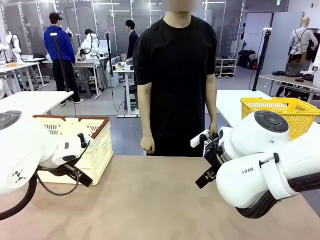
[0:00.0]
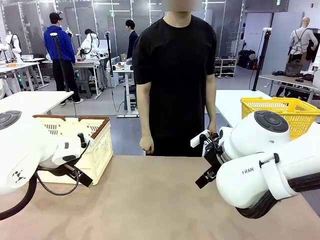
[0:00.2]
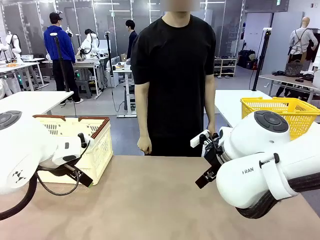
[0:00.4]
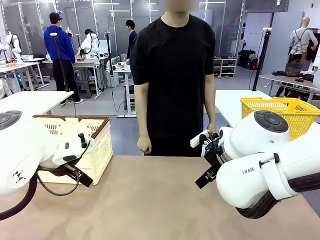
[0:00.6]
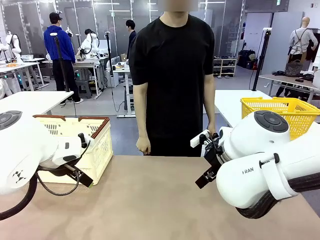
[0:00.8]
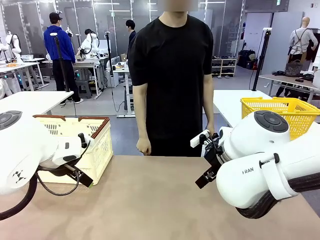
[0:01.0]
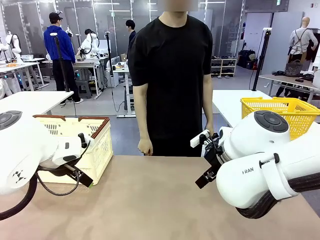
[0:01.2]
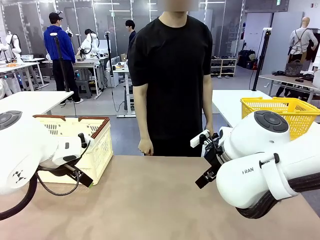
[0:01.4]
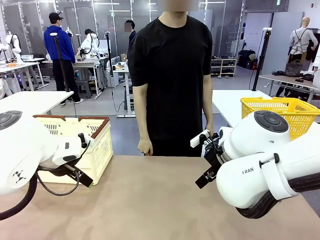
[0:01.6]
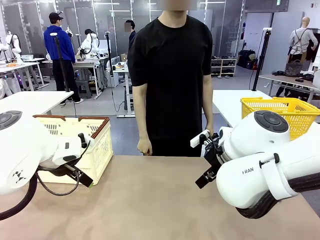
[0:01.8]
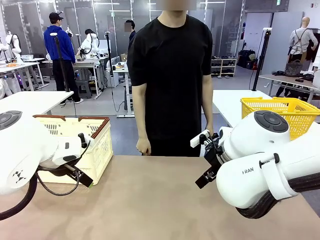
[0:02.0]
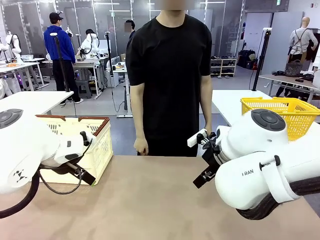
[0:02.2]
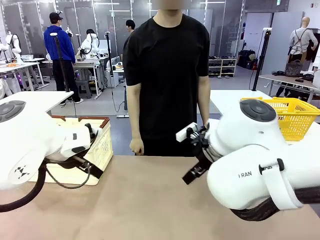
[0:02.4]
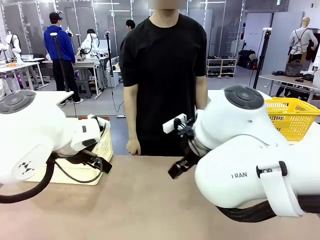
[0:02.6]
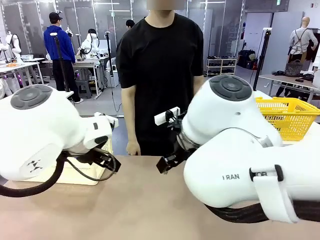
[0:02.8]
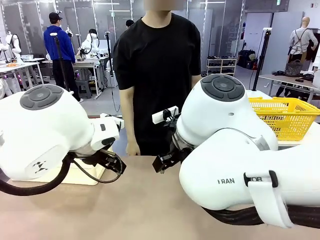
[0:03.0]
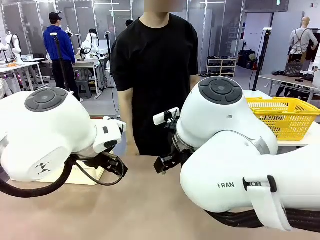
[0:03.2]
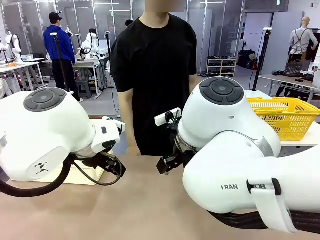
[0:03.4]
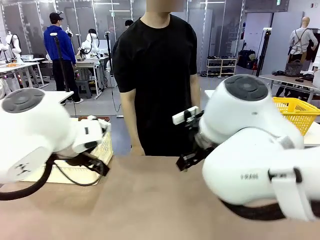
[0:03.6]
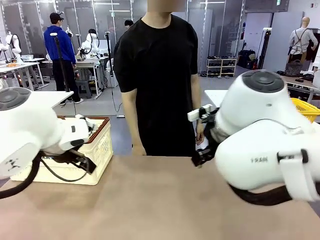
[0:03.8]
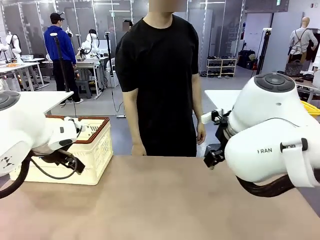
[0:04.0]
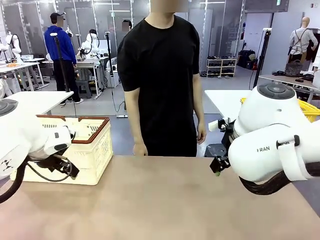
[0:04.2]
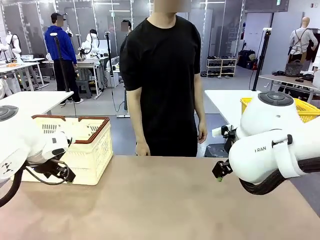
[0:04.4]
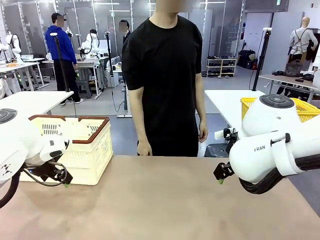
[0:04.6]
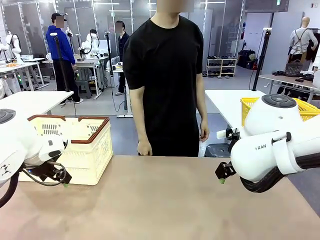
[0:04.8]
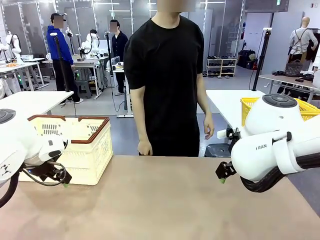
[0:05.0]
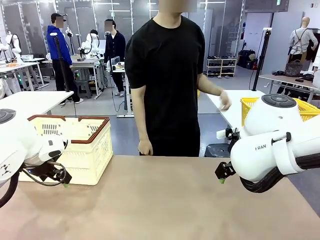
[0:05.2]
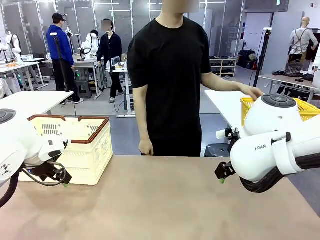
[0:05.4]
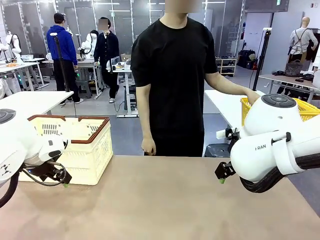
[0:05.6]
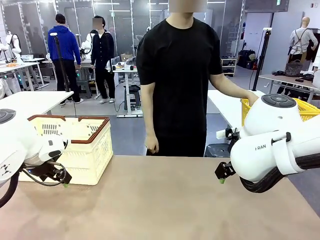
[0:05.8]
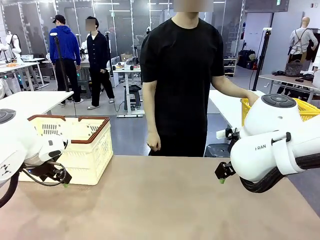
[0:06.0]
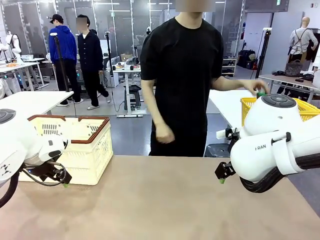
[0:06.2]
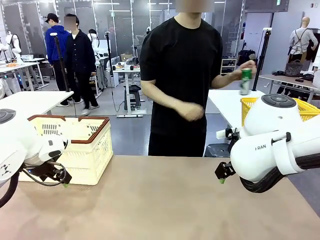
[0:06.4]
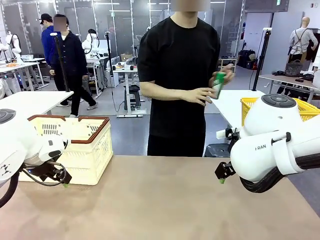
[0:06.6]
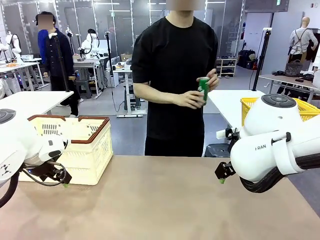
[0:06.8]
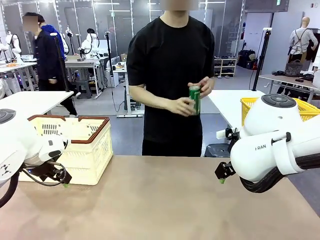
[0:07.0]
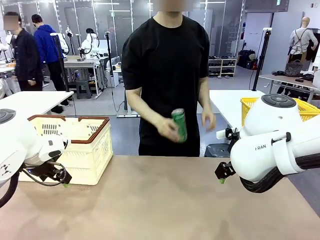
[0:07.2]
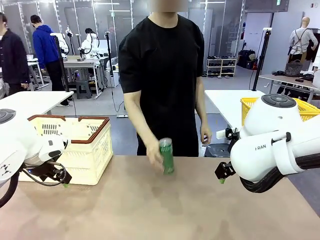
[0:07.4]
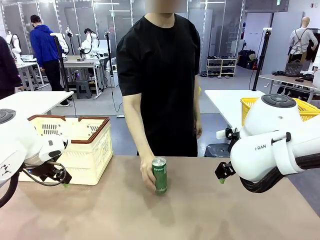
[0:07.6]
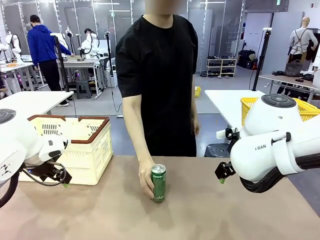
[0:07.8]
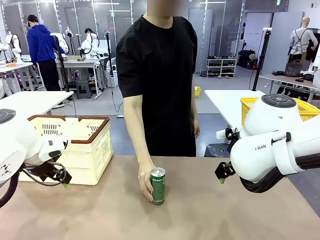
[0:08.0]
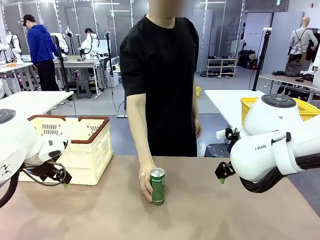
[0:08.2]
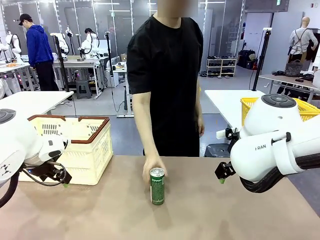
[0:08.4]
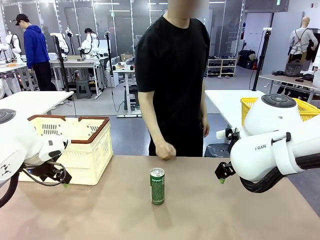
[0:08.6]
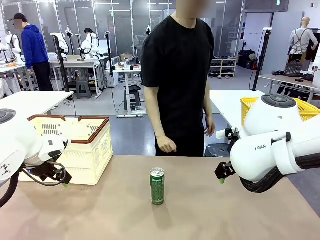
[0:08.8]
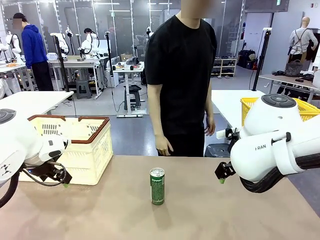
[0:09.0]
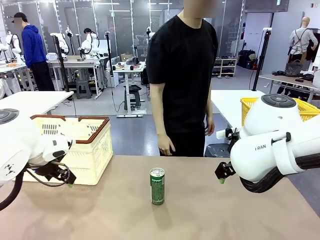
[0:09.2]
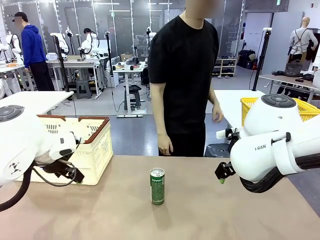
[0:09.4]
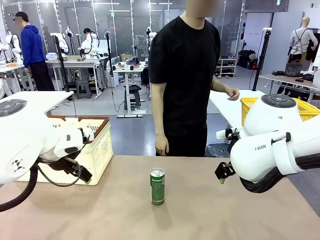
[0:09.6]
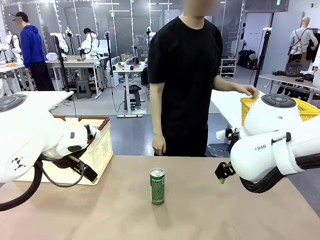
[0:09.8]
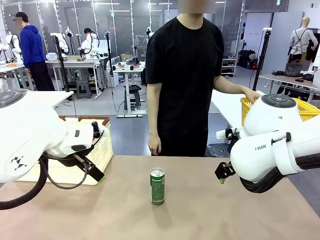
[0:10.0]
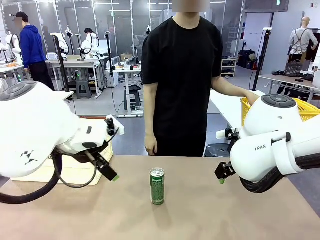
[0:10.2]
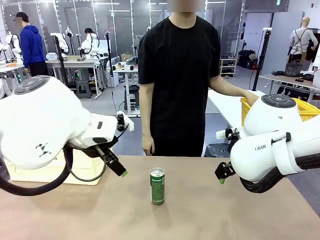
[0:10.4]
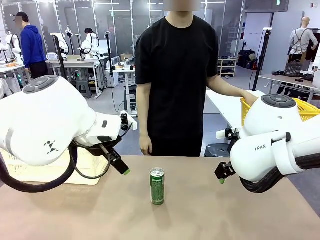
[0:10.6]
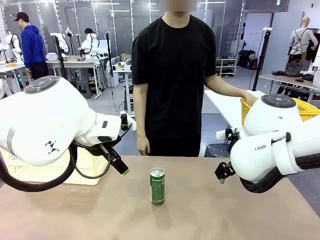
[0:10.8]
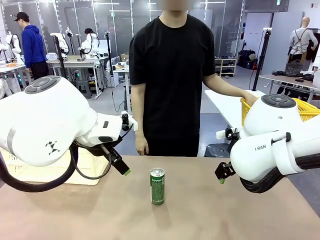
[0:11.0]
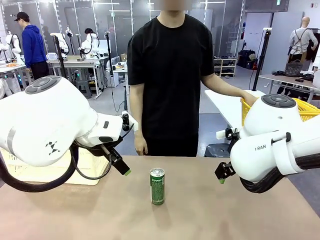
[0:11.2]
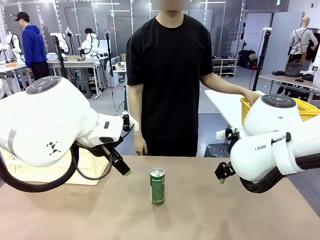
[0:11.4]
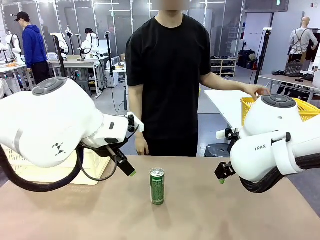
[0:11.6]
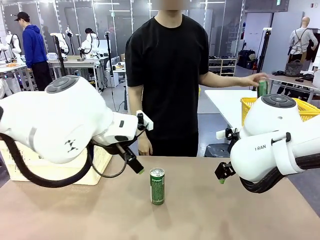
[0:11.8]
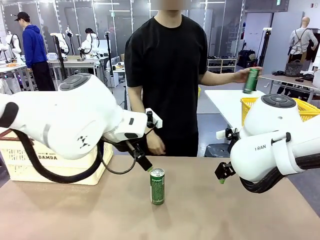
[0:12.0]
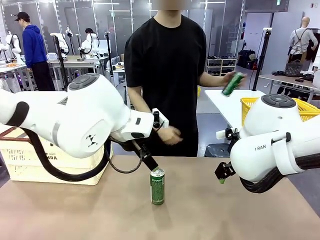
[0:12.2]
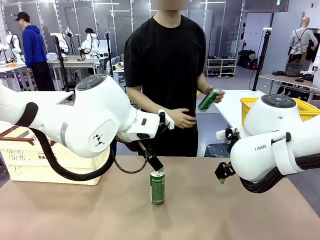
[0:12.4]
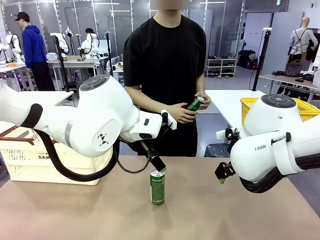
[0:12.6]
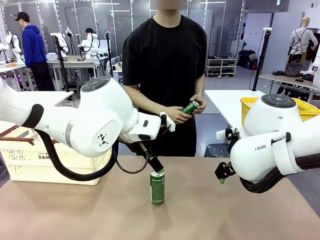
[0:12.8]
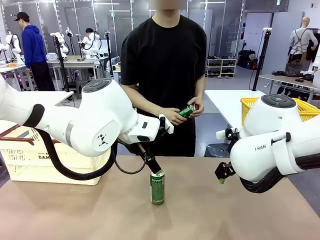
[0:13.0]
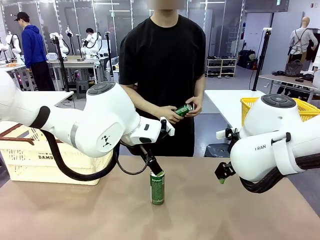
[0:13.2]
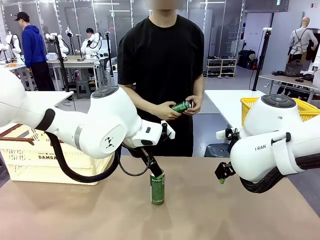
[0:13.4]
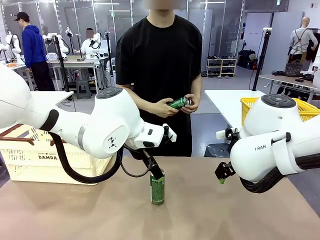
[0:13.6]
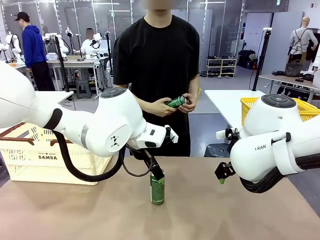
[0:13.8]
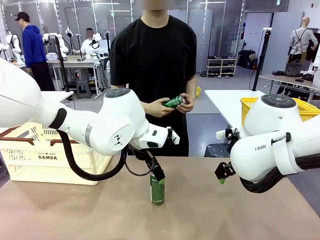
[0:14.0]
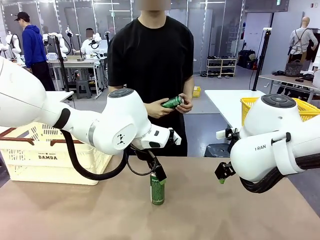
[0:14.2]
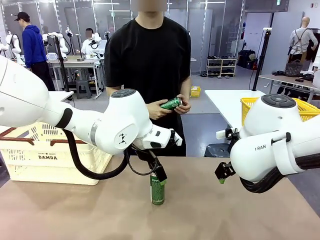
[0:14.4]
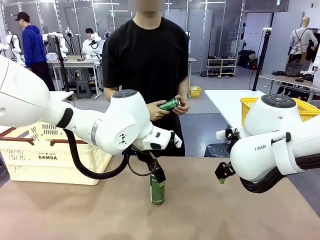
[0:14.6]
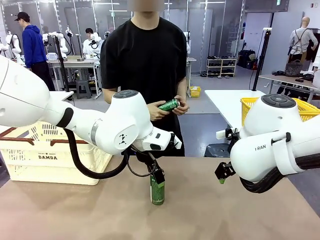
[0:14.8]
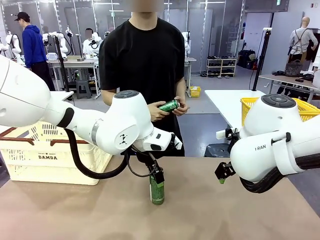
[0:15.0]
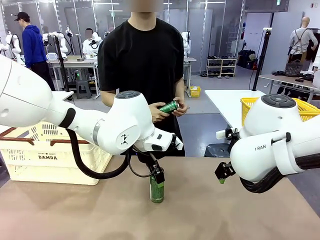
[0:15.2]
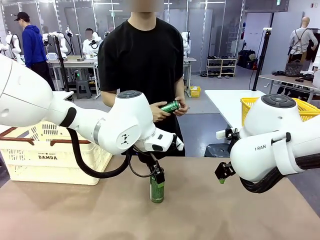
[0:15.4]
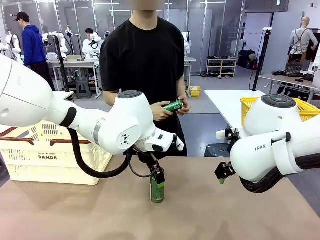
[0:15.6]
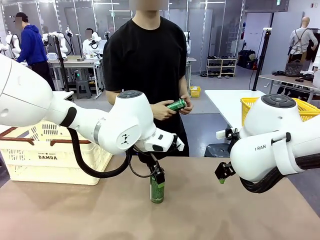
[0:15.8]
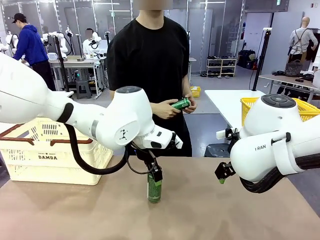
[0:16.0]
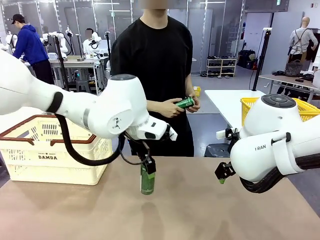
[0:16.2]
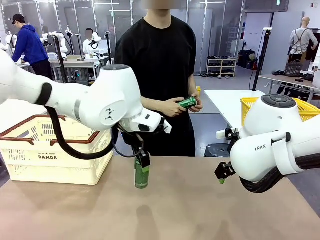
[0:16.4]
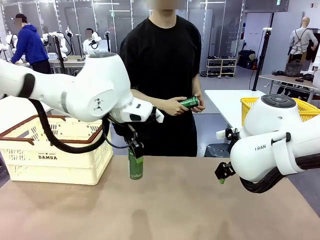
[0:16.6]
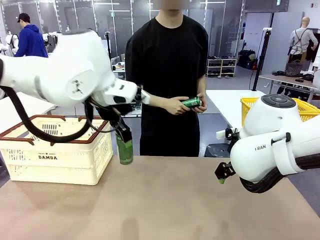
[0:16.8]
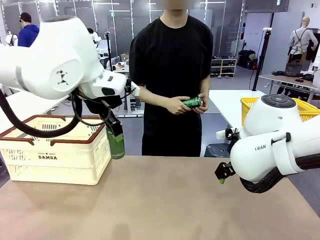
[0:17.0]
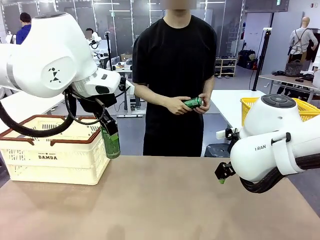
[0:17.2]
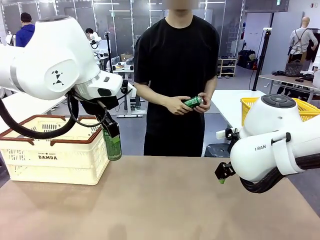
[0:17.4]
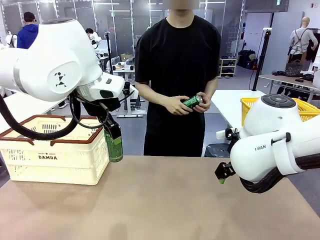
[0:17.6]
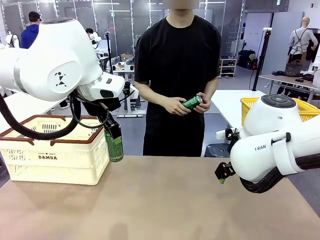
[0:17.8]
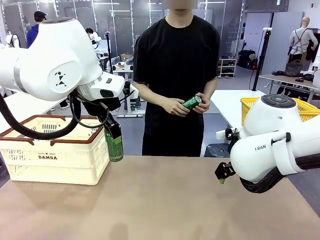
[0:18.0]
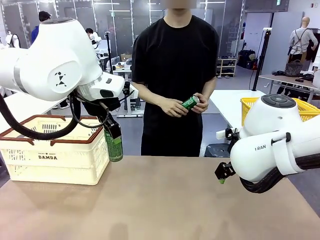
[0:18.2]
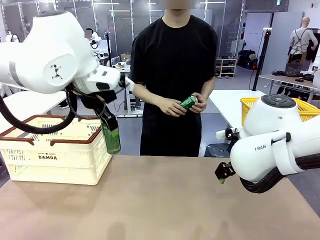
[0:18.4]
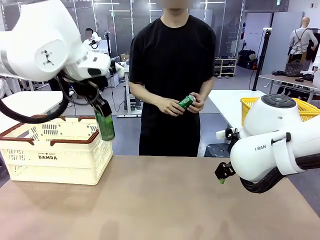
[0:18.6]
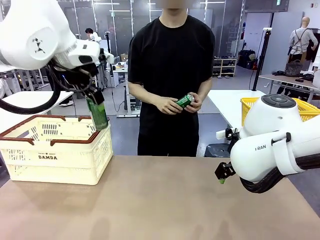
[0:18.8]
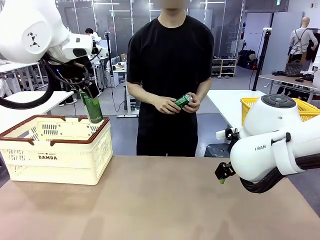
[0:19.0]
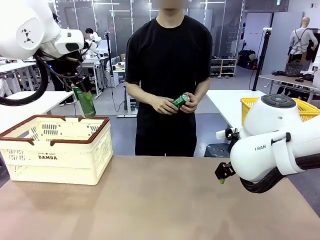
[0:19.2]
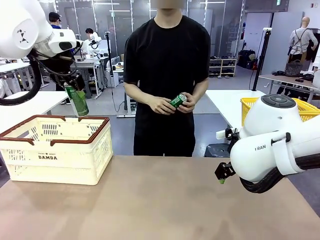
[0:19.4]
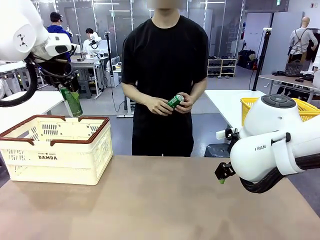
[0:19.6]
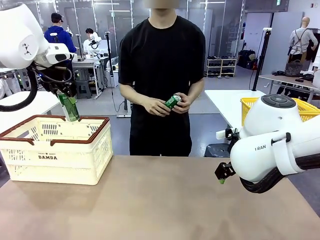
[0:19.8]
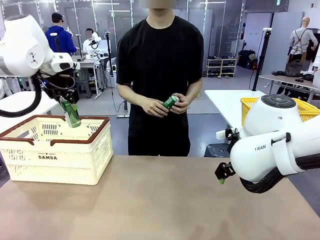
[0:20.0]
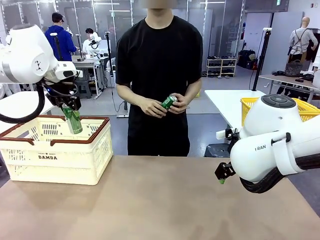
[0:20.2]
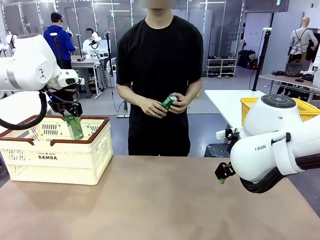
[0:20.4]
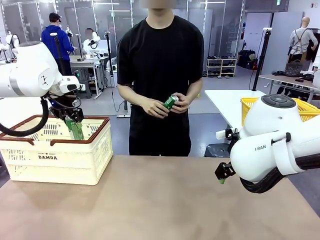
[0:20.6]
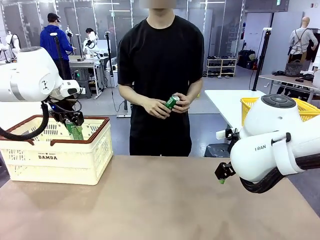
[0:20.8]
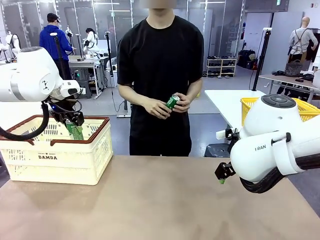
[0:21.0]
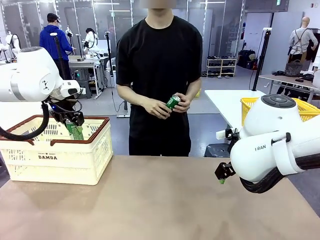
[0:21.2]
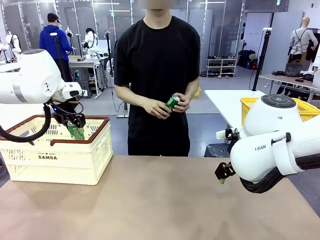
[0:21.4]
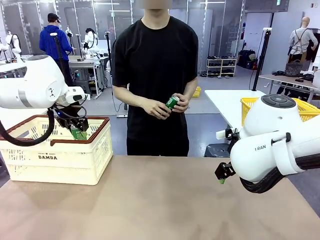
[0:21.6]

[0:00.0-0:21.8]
Task: Place the drinks into the Shopping basket.
Robot: Pick up one drink and place it into the Shopping basket.
